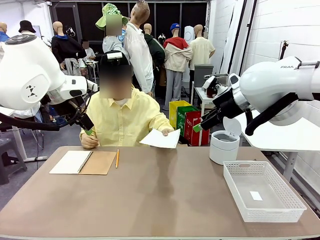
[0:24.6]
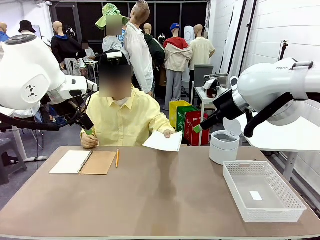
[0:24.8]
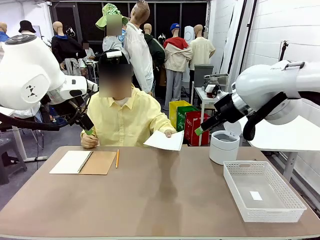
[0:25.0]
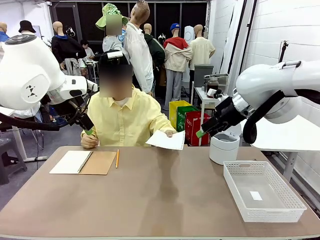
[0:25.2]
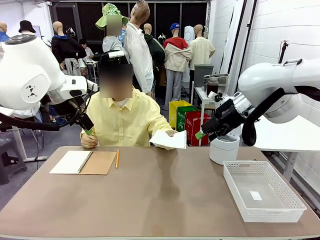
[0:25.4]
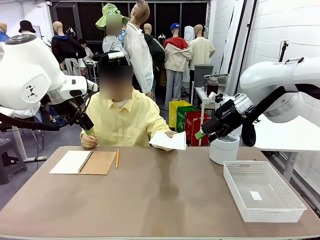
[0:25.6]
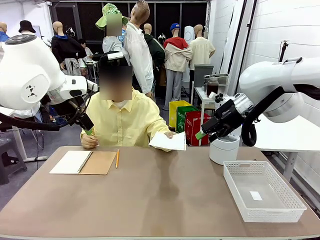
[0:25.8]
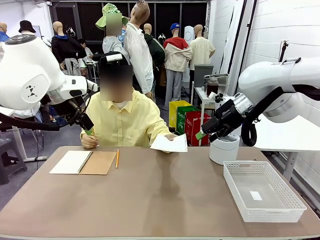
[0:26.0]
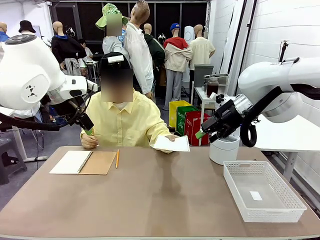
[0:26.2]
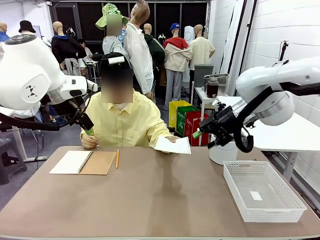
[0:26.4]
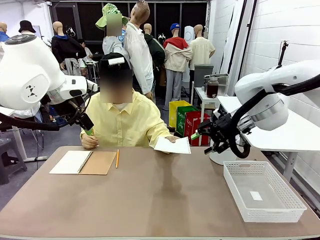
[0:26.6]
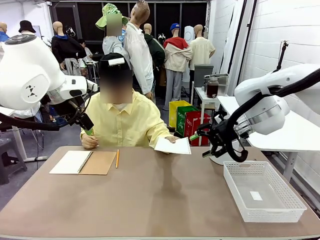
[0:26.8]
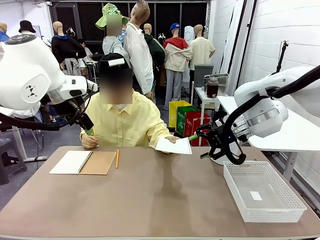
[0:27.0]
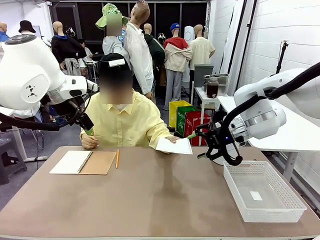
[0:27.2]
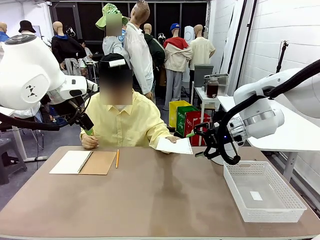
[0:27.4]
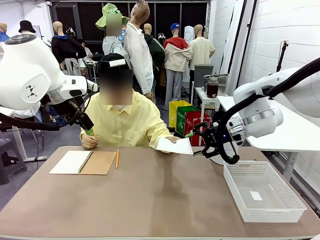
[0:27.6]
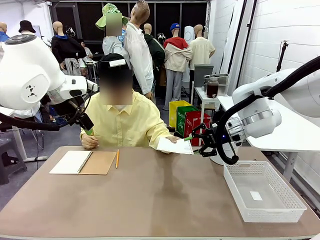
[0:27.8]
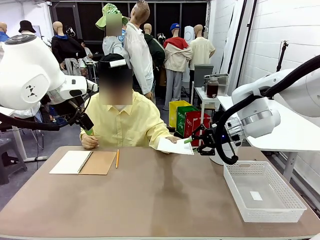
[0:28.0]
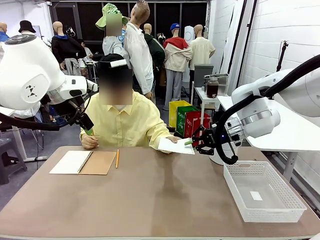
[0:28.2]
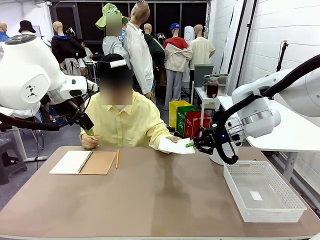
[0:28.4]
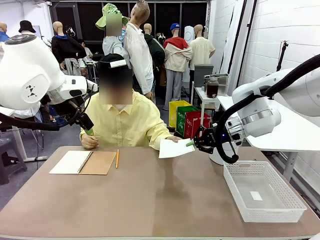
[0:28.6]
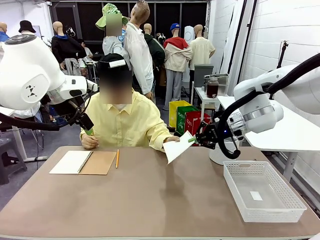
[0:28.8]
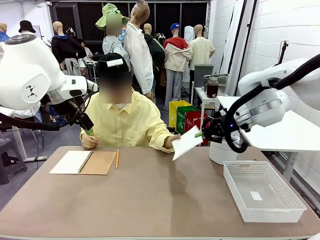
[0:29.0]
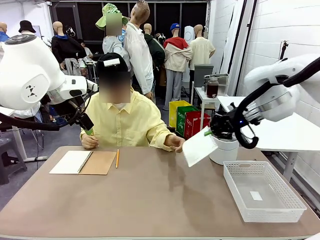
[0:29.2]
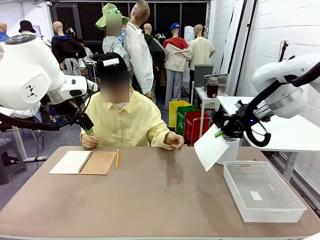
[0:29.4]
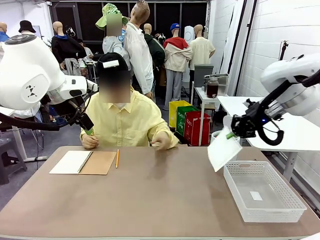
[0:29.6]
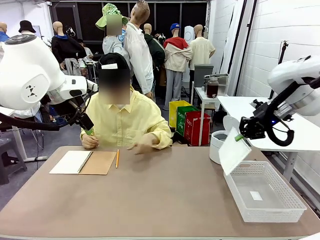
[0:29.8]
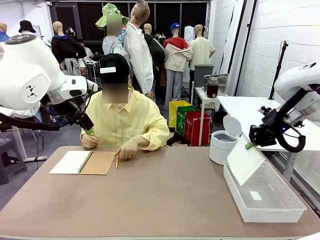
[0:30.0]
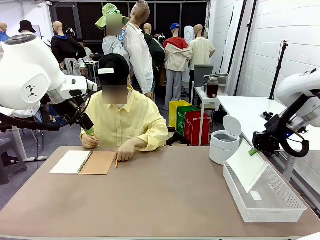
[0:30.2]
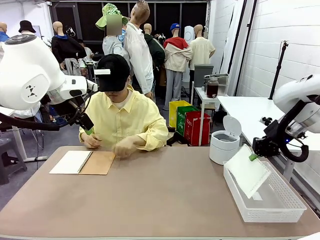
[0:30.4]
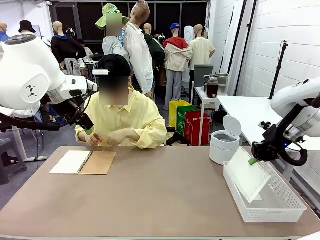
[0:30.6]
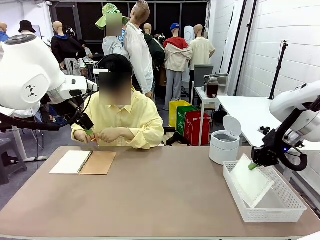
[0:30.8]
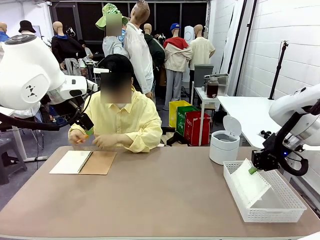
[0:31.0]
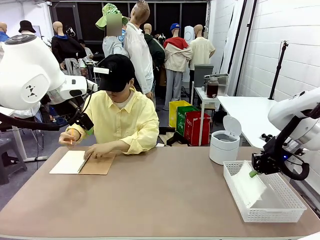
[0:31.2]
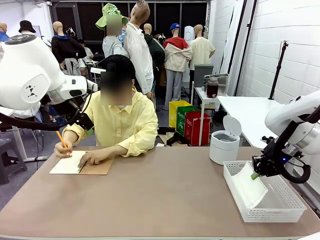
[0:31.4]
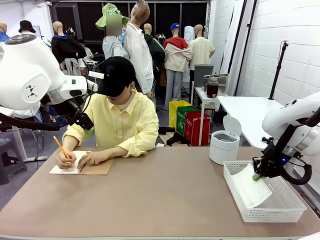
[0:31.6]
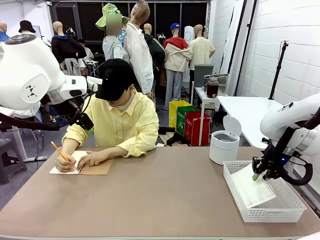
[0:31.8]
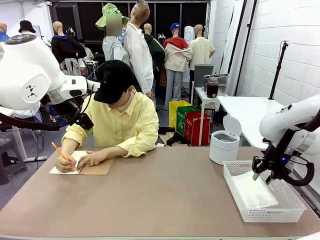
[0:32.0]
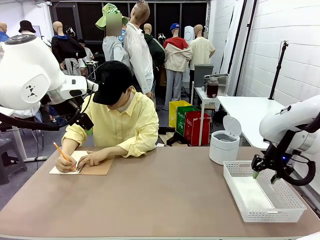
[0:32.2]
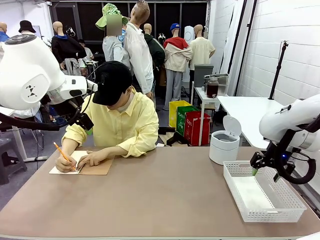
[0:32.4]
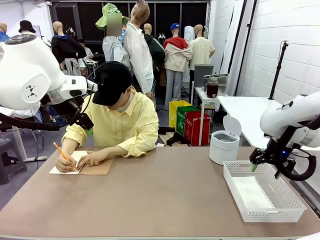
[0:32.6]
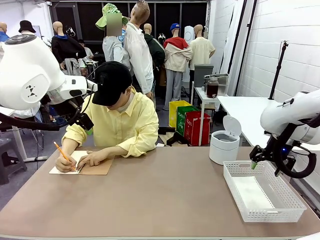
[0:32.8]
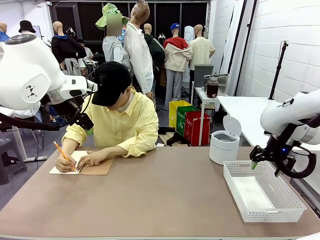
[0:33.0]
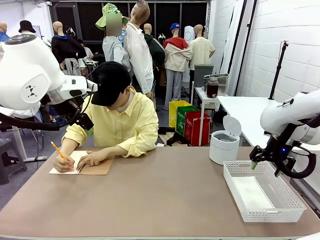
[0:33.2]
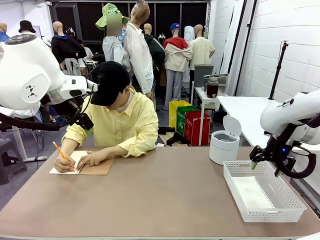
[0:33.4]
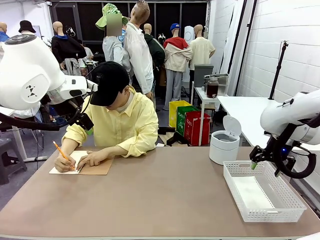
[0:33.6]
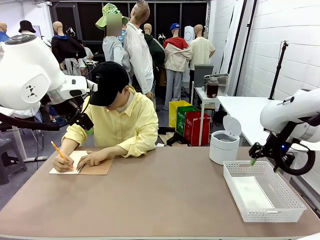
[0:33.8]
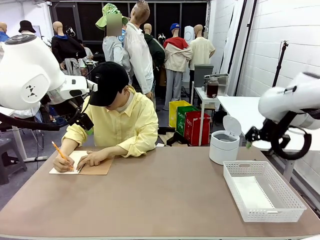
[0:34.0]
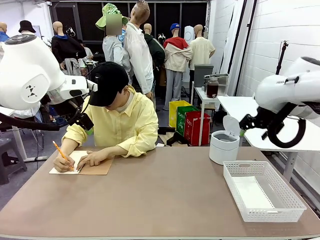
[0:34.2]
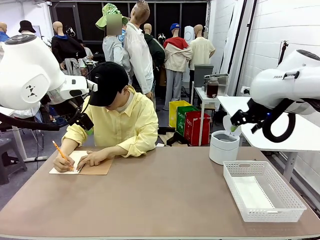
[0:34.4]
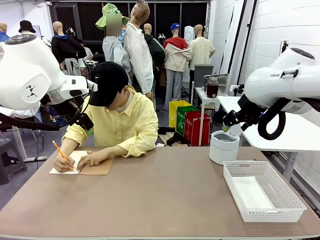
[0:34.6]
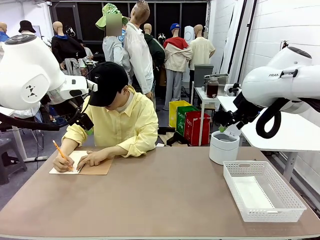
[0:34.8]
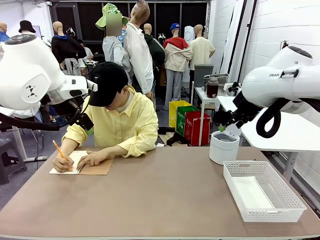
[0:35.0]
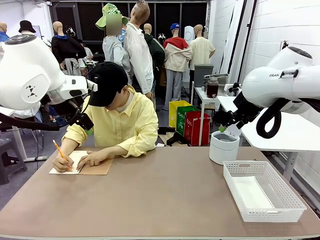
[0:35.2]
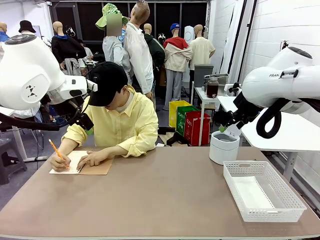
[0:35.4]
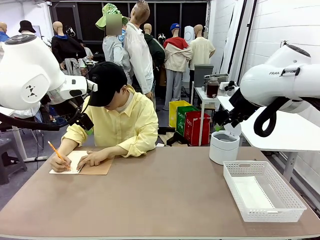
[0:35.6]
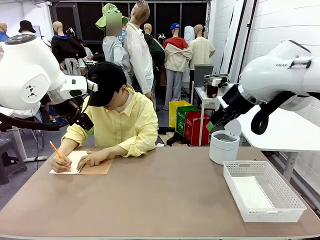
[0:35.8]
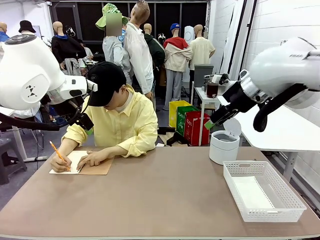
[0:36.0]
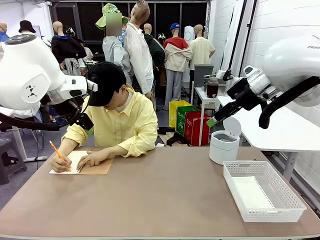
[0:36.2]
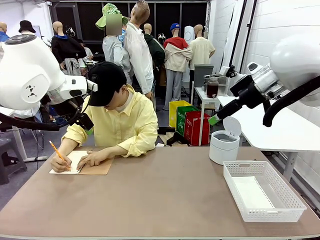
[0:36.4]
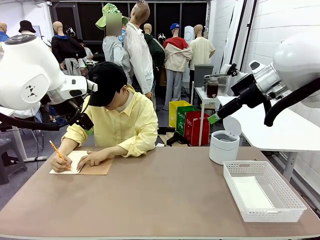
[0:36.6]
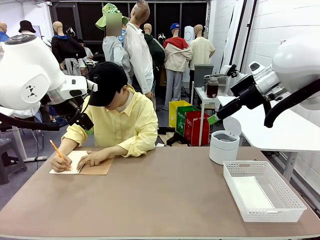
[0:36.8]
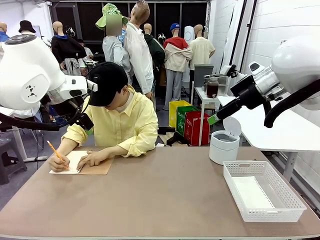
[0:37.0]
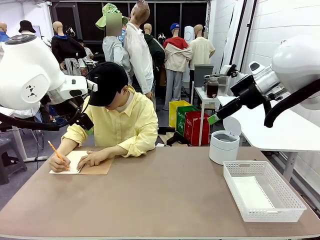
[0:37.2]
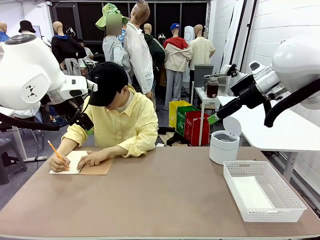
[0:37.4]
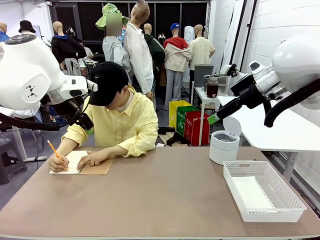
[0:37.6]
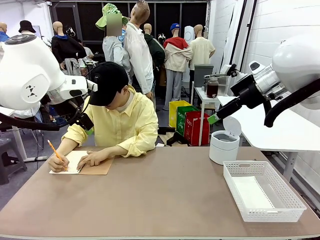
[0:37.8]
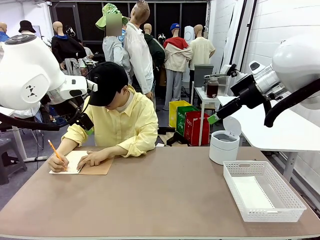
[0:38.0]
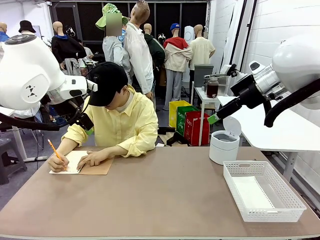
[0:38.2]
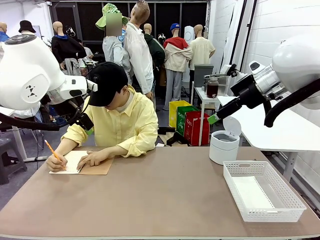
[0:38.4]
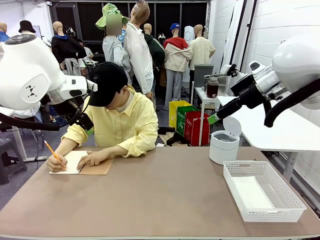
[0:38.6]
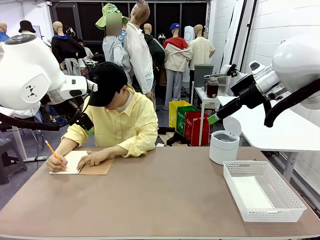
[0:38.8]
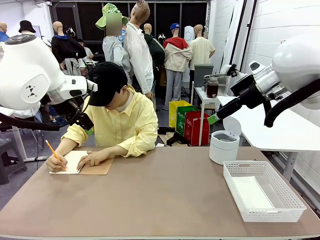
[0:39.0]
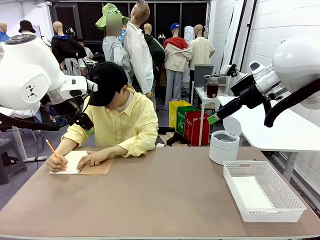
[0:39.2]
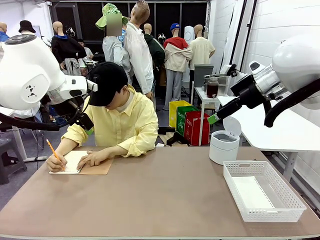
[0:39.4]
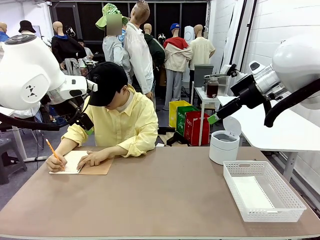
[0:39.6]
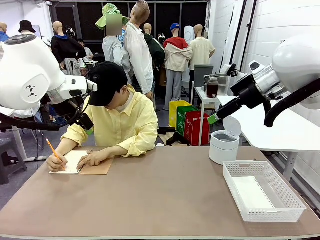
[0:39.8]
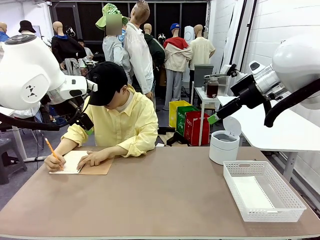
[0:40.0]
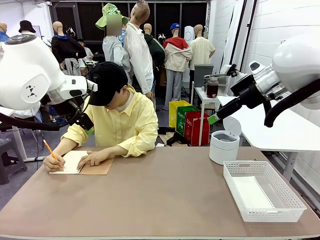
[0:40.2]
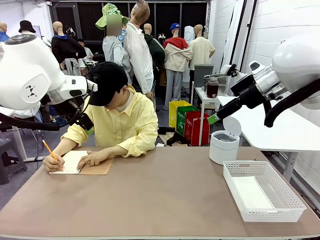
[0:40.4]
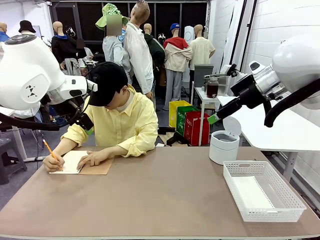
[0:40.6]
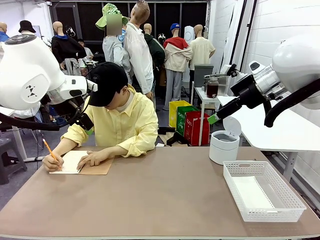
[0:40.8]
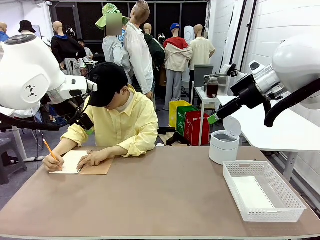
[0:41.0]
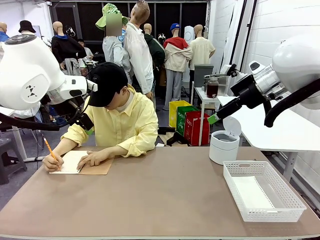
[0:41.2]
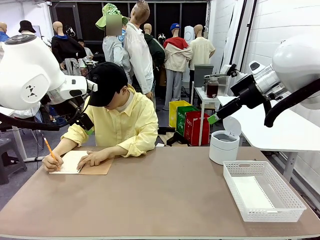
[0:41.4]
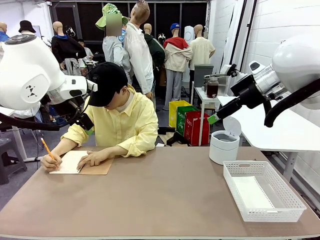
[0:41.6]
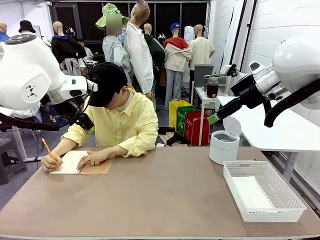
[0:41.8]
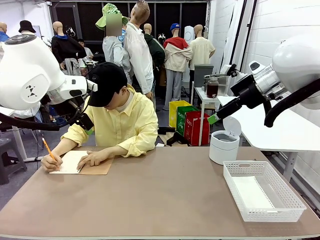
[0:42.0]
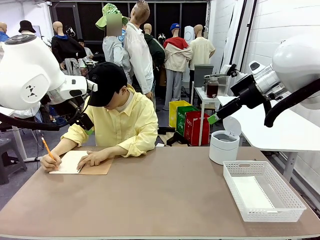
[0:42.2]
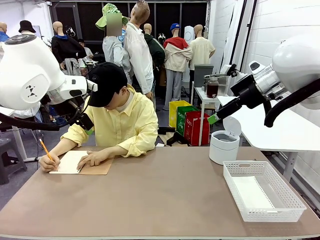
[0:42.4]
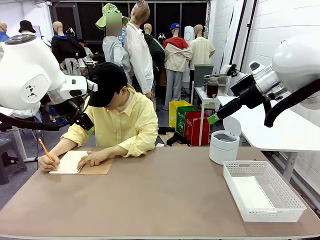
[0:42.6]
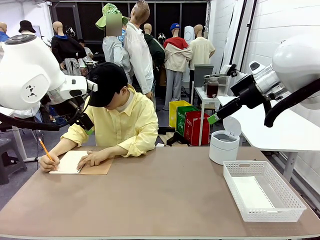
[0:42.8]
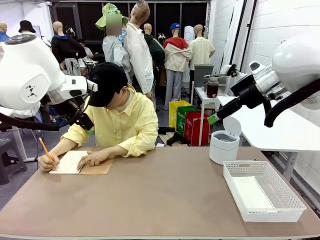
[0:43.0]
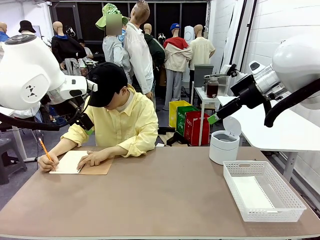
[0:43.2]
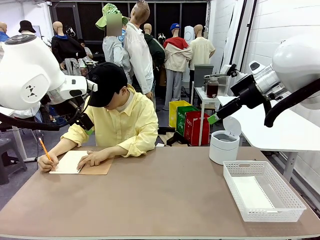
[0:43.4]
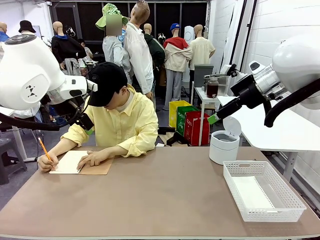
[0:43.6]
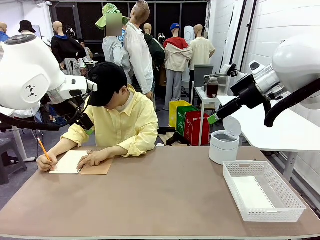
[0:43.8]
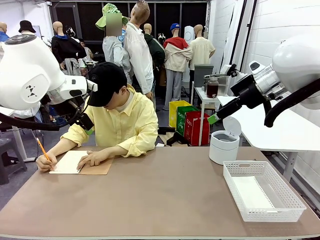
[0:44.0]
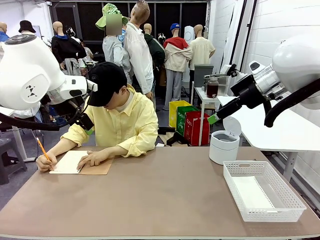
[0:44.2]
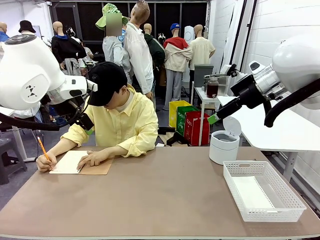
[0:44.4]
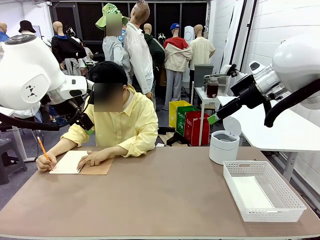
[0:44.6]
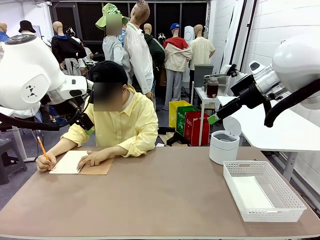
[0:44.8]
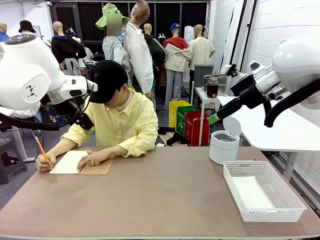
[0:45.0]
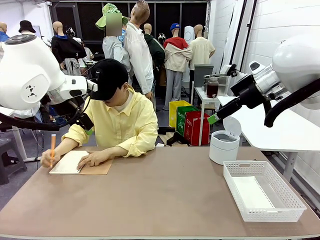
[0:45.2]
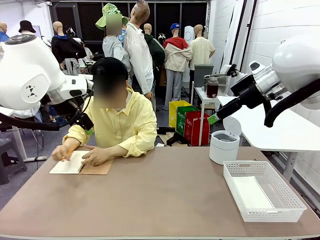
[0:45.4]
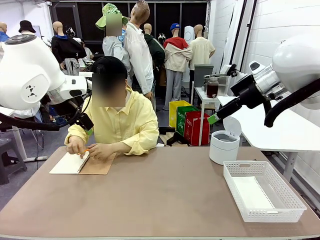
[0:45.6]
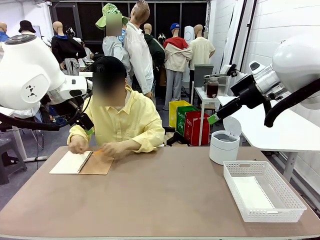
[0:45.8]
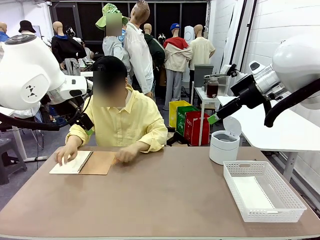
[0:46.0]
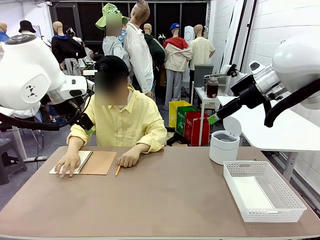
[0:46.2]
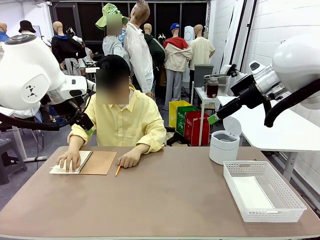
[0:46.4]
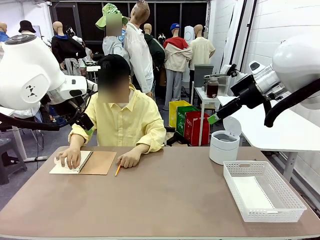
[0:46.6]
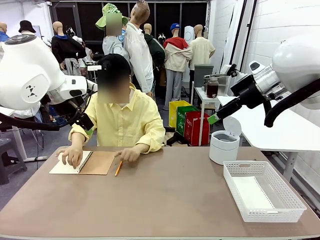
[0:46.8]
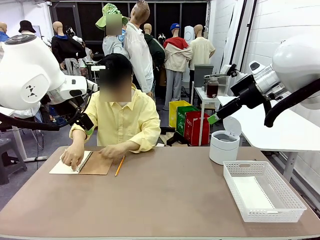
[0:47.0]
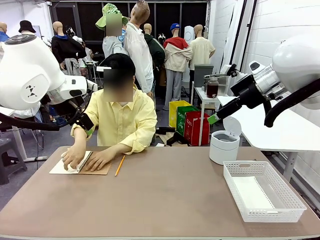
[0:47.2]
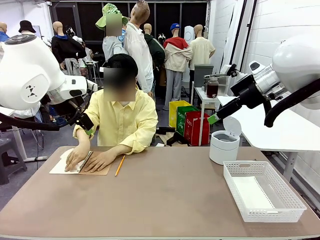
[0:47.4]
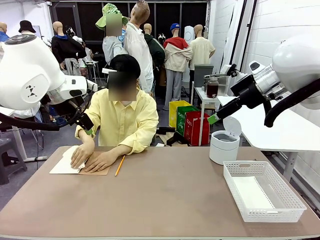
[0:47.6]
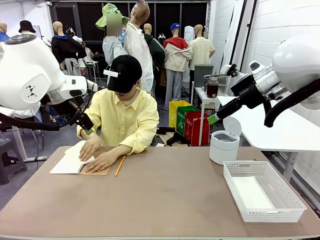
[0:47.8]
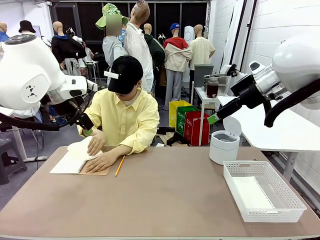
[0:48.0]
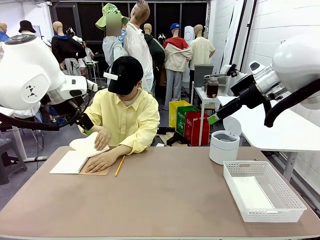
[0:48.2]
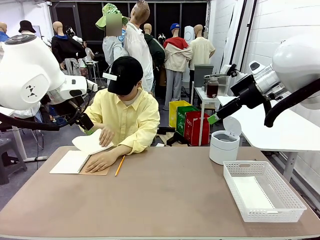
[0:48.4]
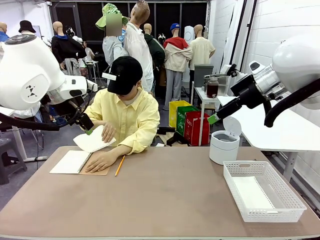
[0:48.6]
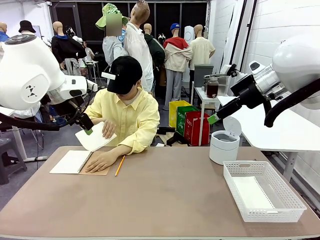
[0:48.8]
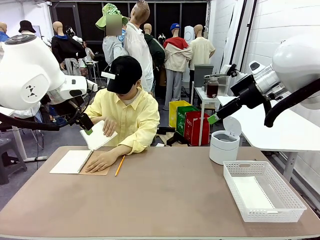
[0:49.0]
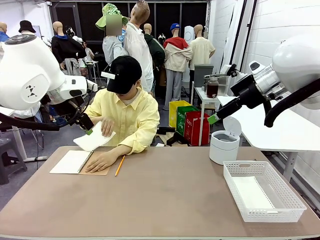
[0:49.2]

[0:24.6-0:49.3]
Task: Sort the paper based on its condition.
Robot: If a person hands you a paper, place it in the Organizing basket , and if it's crumpled, put it in the Trash can.
Person: Tear out a page from the spiral notebook.
